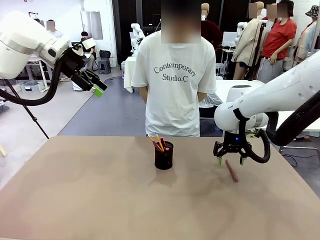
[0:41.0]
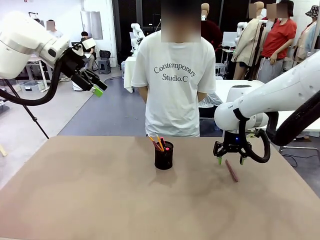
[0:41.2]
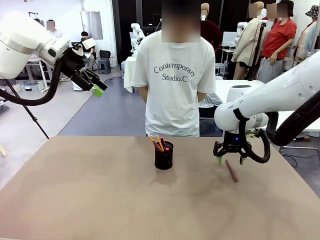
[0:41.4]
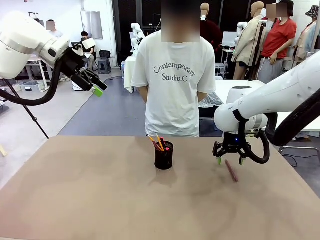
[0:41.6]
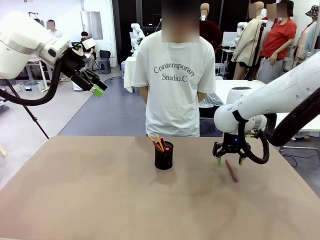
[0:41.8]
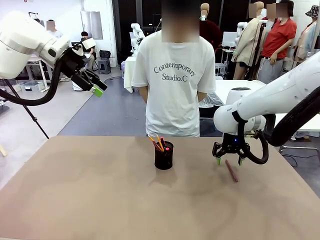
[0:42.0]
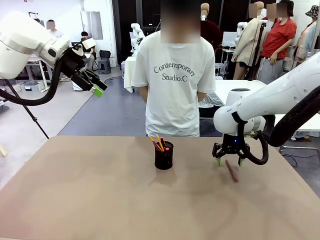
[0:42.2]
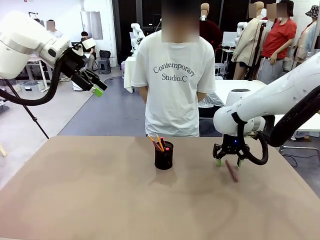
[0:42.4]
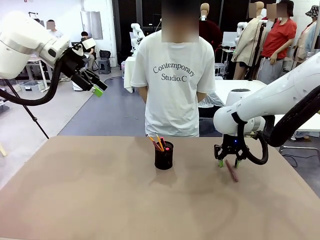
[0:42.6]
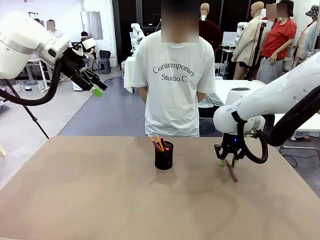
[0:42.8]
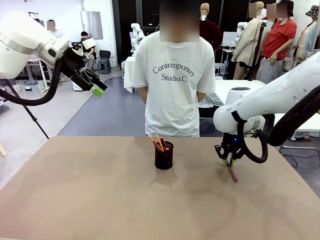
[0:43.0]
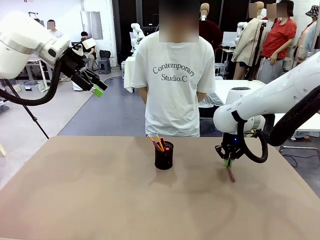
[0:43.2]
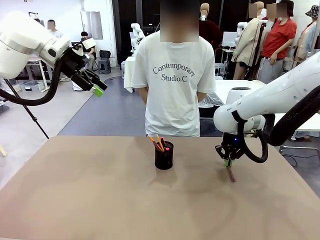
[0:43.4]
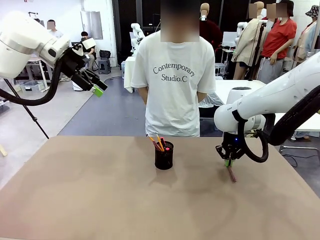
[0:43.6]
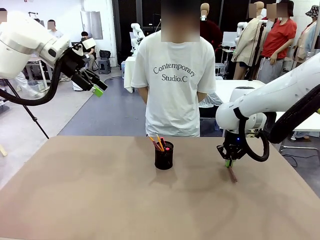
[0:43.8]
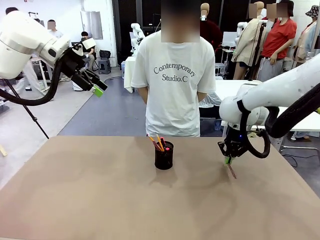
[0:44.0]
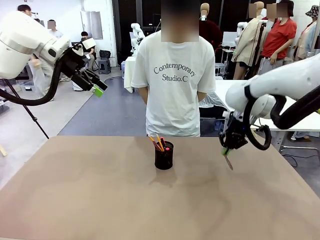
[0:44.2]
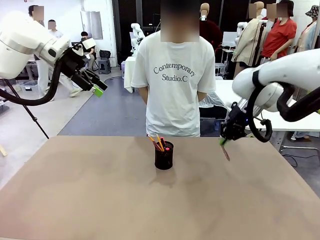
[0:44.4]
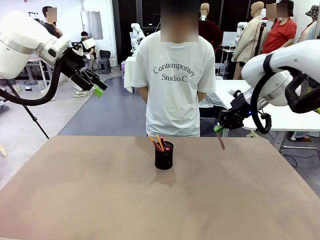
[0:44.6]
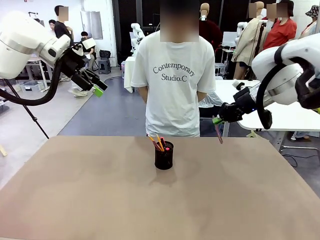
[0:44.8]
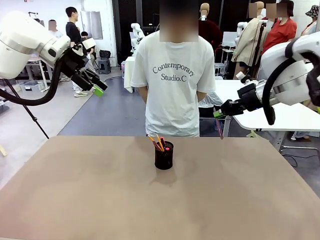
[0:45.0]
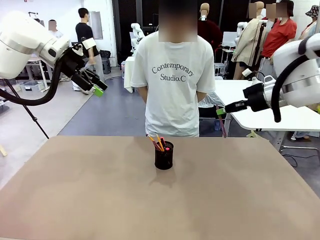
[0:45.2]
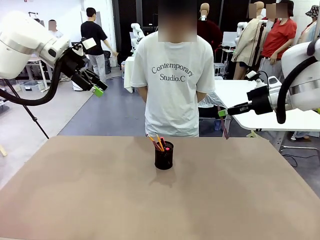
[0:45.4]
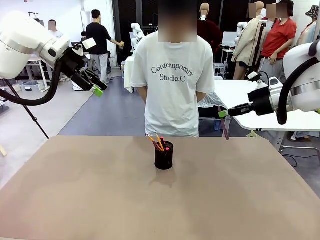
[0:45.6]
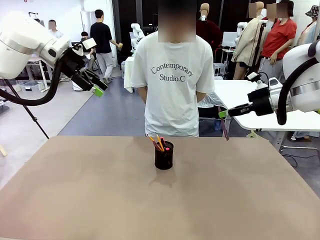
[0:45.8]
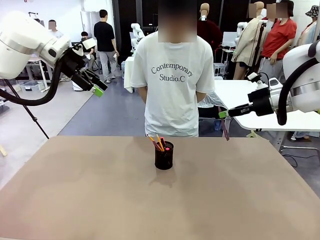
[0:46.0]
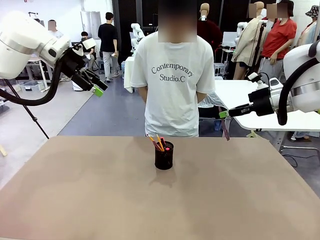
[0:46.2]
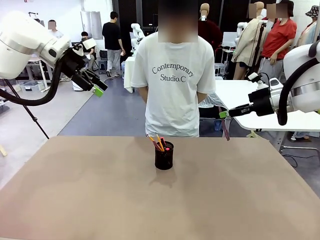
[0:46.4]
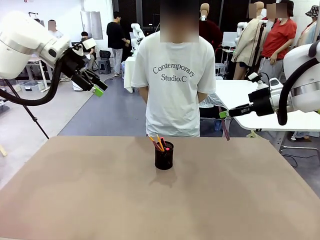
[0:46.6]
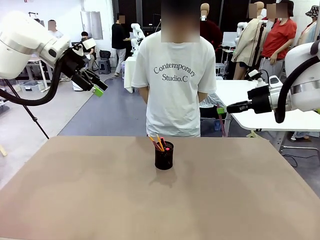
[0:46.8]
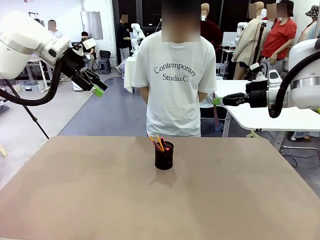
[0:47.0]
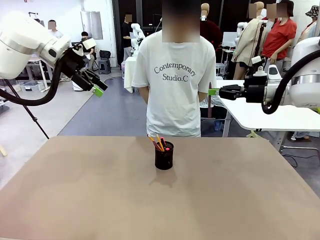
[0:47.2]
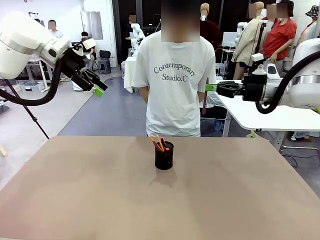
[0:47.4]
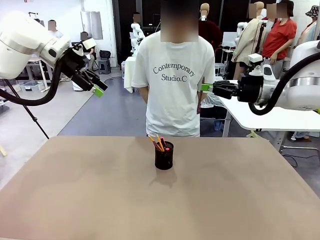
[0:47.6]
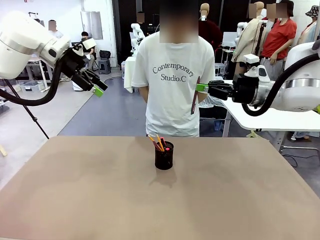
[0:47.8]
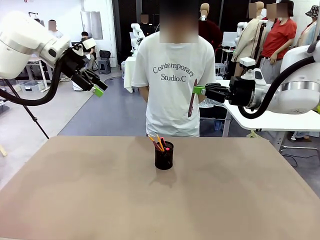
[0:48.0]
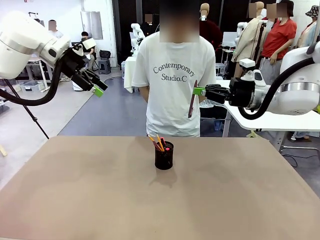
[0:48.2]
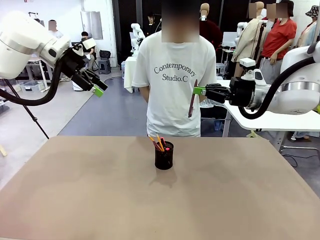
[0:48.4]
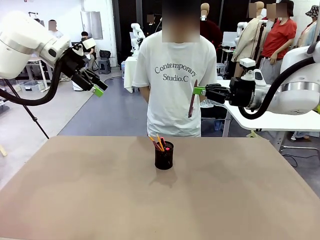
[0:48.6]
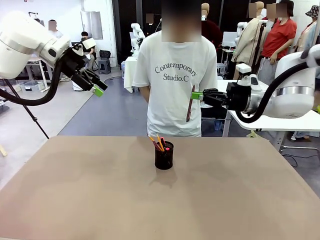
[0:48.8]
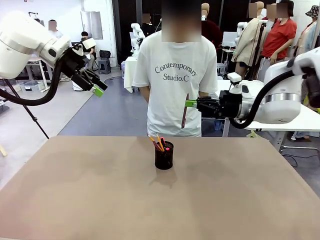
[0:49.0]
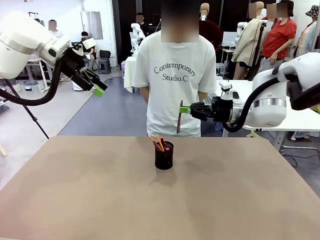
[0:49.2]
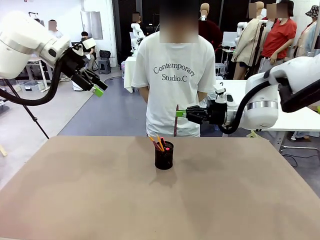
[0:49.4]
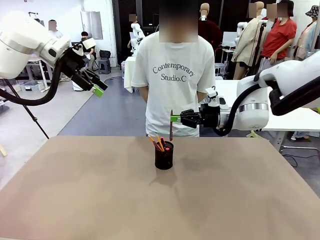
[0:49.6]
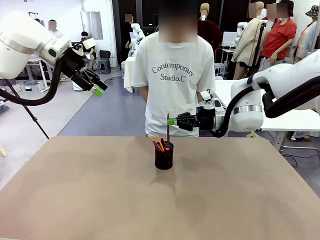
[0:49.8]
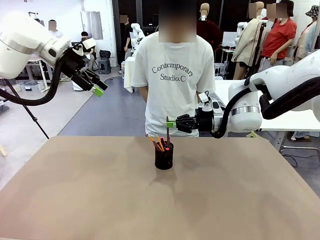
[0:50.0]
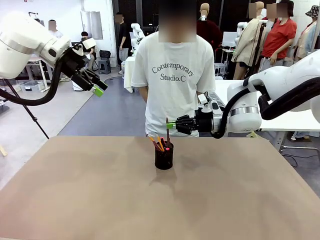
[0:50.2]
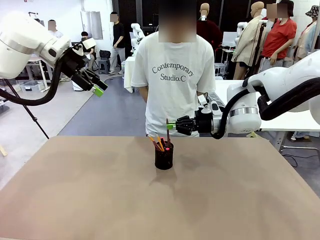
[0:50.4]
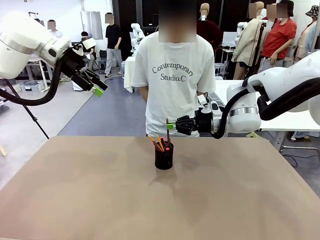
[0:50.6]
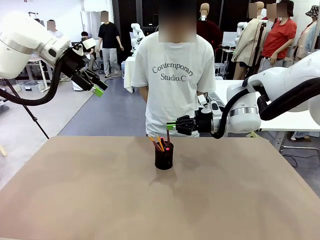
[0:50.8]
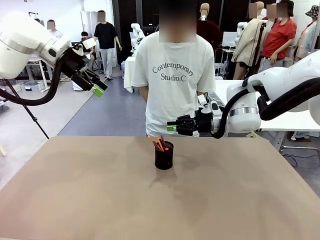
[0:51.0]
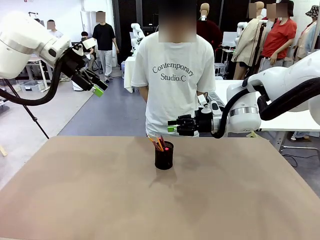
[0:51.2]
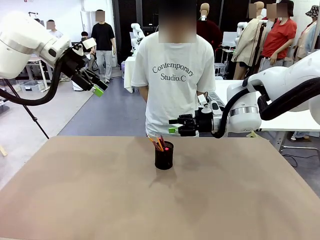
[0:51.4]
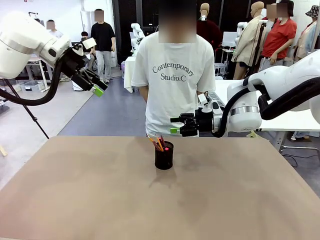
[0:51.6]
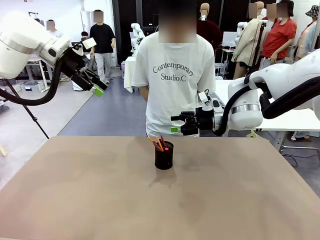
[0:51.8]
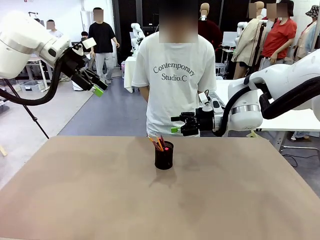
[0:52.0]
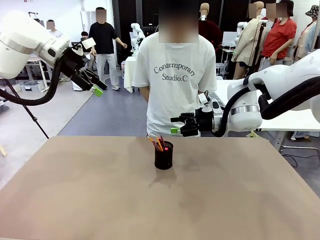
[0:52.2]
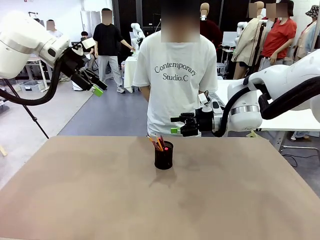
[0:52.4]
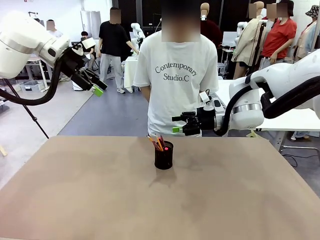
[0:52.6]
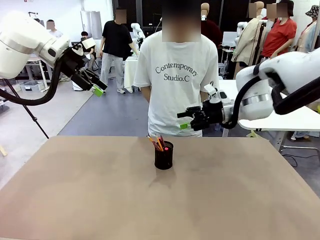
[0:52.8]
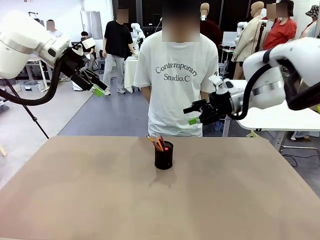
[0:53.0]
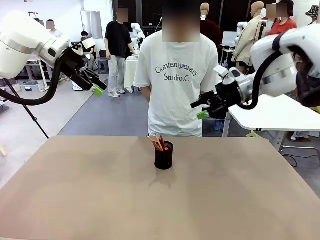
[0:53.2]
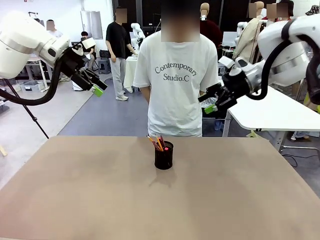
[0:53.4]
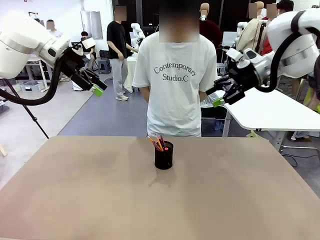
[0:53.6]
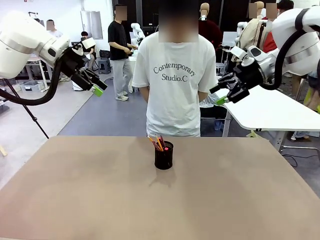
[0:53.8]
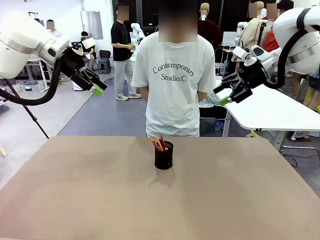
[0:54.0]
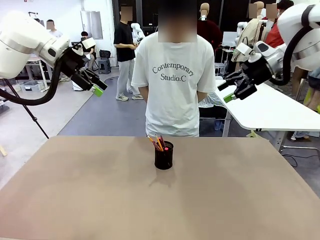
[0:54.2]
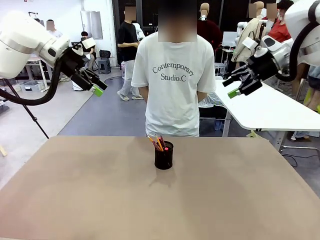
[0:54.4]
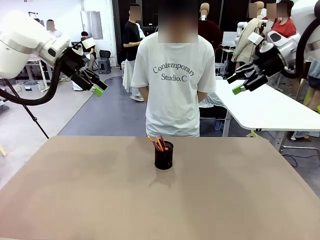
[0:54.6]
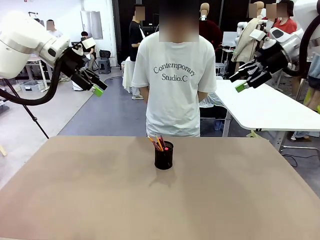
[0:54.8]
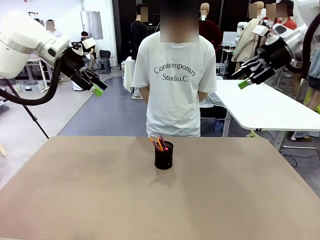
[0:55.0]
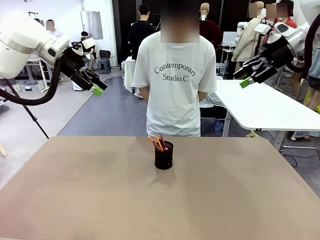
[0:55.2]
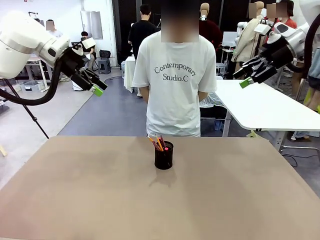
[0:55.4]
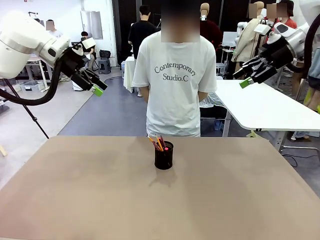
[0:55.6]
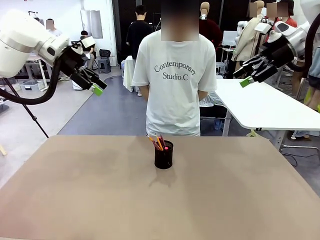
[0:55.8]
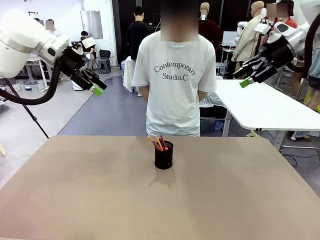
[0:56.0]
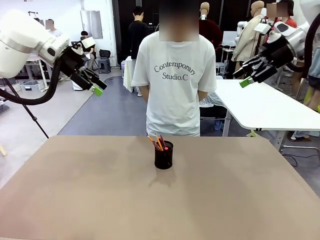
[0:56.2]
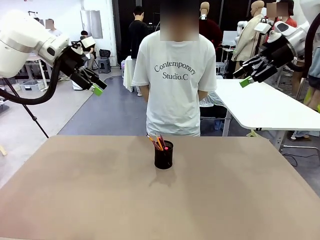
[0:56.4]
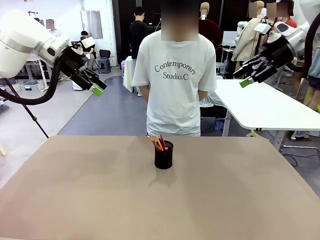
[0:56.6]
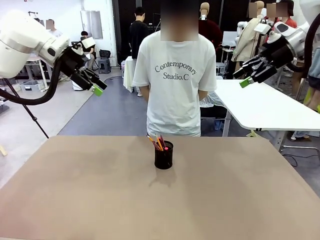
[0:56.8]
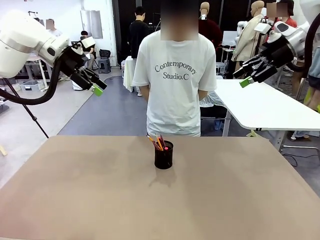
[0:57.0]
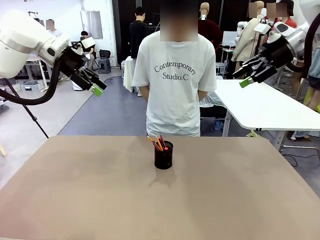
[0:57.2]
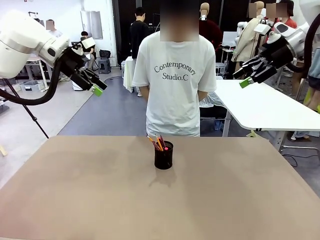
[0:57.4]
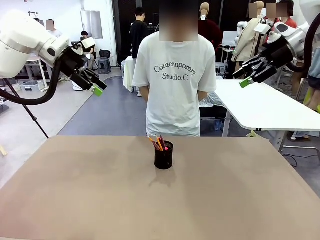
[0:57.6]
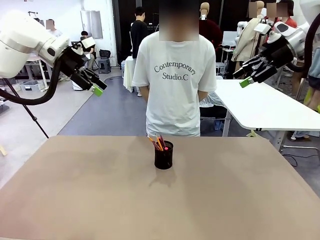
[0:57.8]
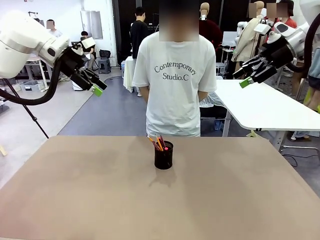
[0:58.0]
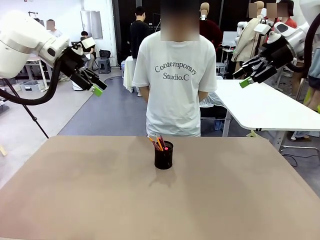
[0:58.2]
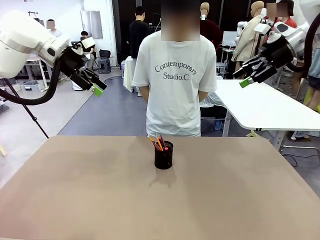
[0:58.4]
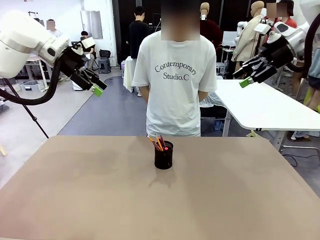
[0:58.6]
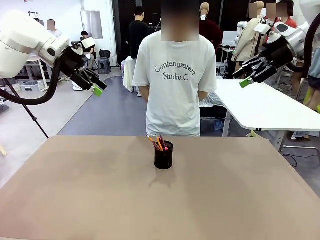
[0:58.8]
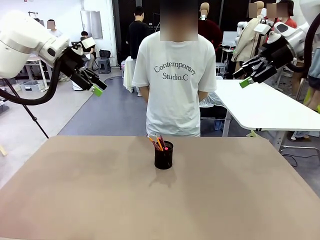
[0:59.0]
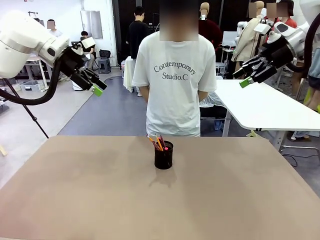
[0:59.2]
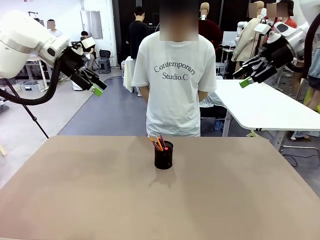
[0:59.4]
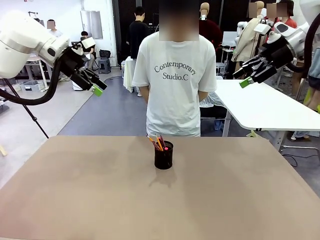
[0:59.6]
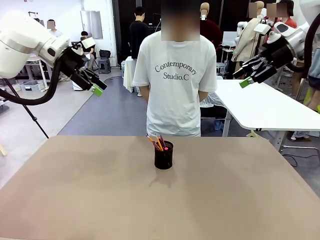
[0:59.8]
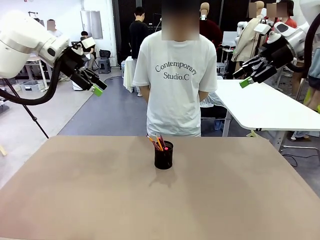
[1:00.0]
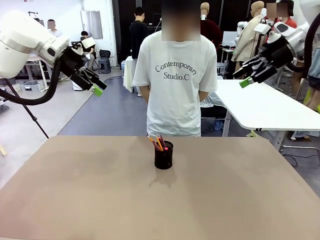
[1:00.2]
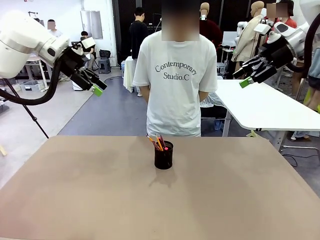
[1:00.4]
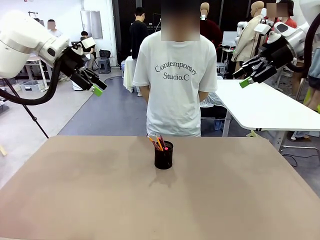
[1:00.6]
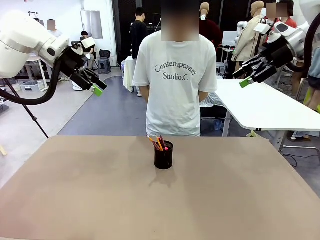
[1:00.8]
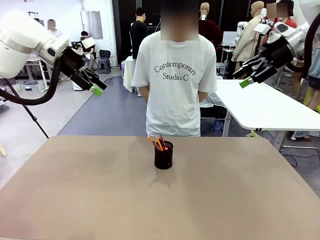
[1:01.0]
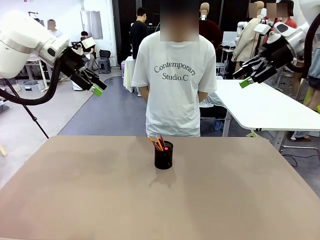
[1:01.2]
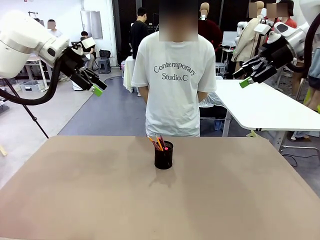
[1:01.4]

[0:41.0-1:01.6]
Task: Place the pens into the pen holder.
Robot: Pick up a writing instrument from the table and place it into the Pen holder.
